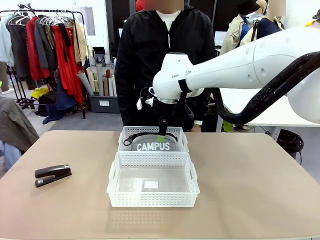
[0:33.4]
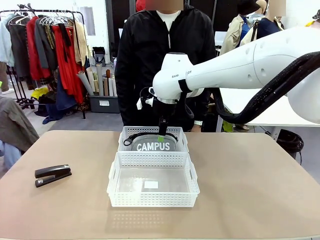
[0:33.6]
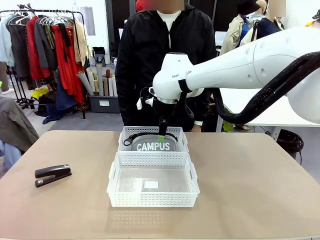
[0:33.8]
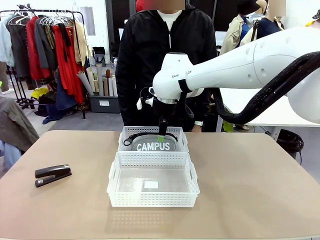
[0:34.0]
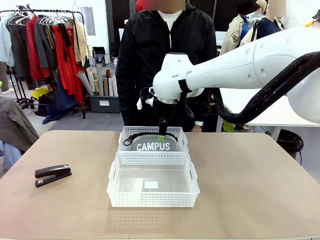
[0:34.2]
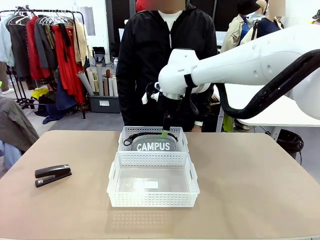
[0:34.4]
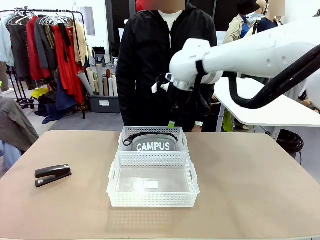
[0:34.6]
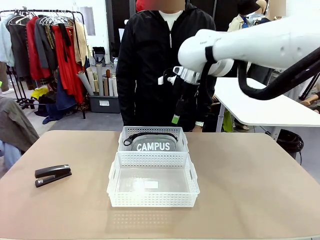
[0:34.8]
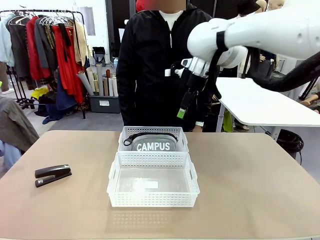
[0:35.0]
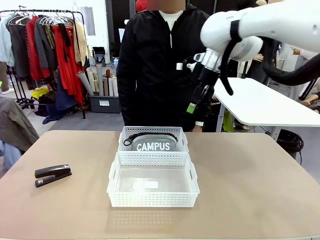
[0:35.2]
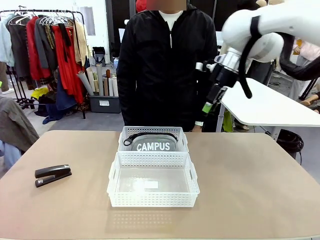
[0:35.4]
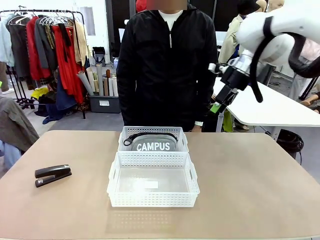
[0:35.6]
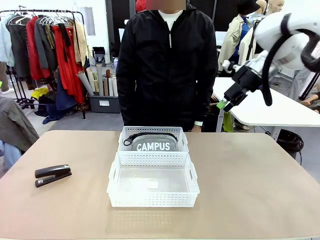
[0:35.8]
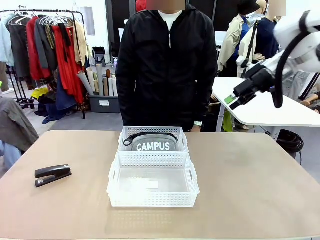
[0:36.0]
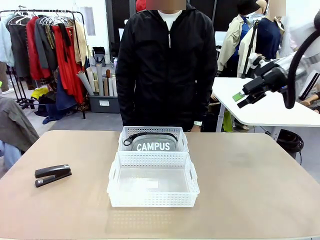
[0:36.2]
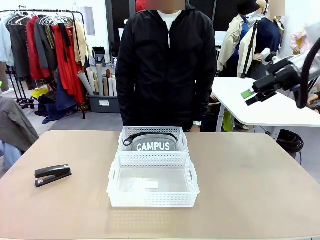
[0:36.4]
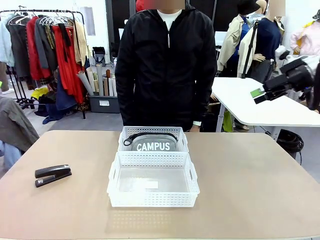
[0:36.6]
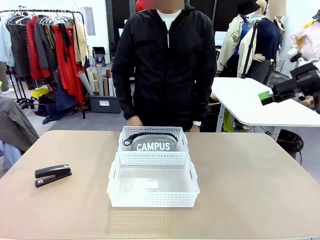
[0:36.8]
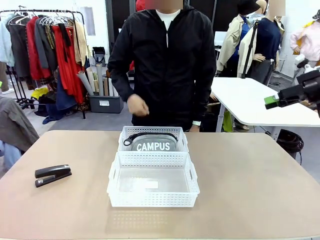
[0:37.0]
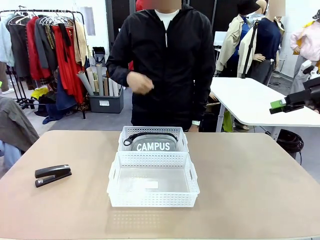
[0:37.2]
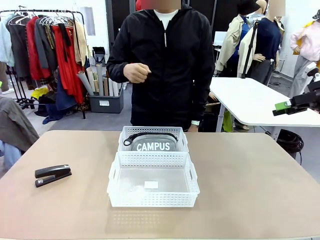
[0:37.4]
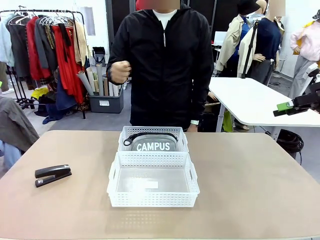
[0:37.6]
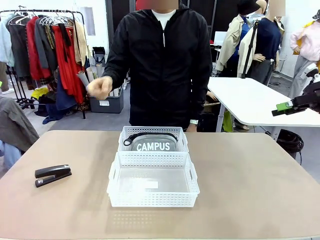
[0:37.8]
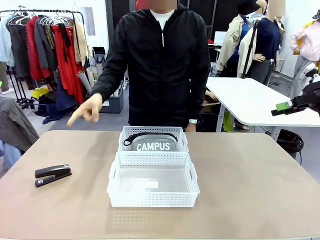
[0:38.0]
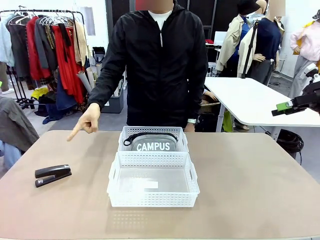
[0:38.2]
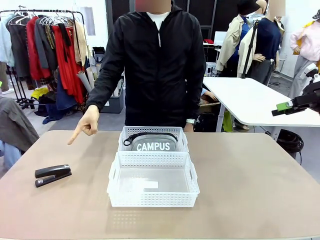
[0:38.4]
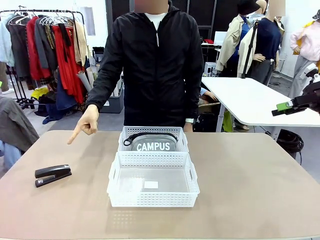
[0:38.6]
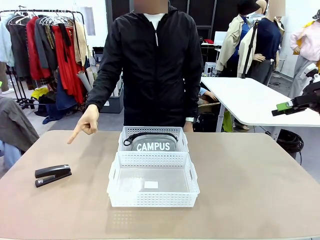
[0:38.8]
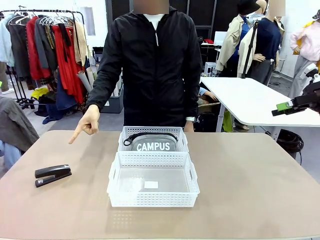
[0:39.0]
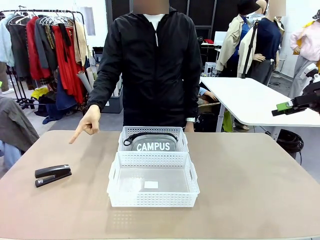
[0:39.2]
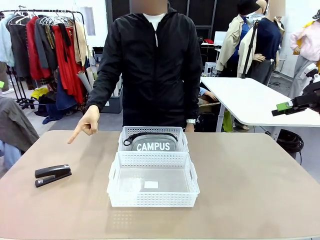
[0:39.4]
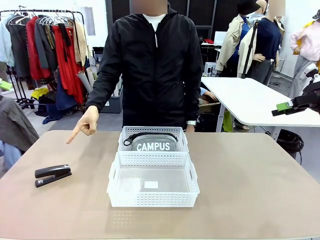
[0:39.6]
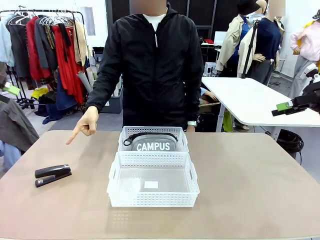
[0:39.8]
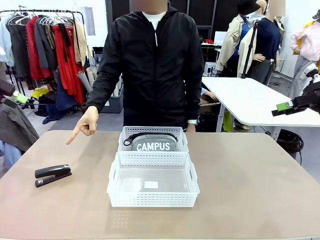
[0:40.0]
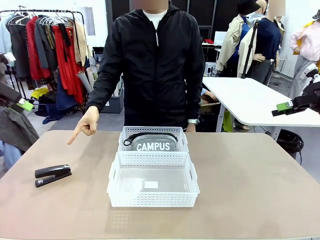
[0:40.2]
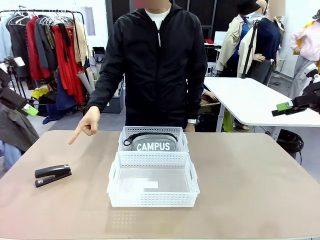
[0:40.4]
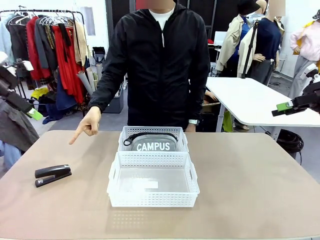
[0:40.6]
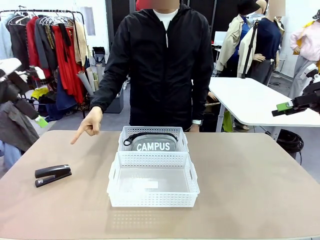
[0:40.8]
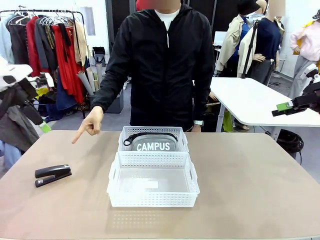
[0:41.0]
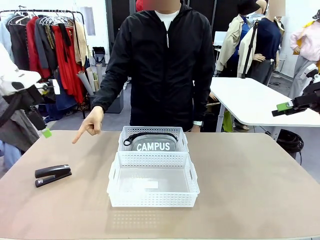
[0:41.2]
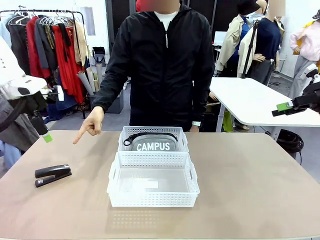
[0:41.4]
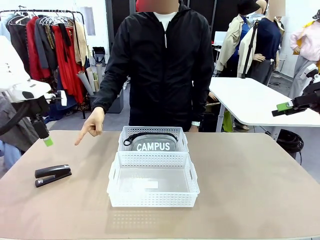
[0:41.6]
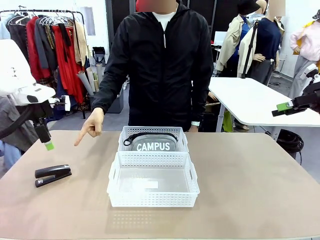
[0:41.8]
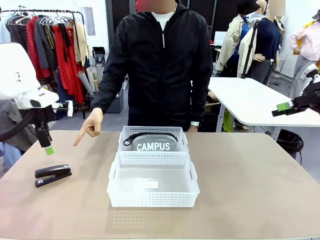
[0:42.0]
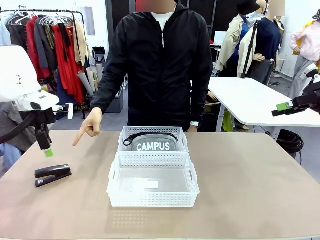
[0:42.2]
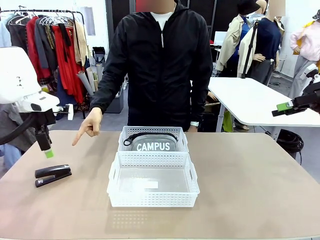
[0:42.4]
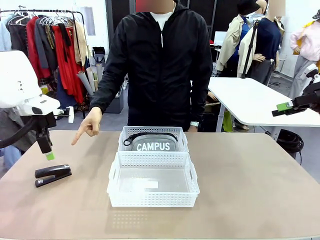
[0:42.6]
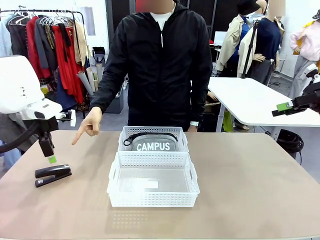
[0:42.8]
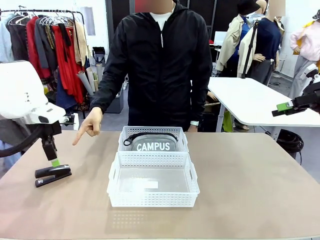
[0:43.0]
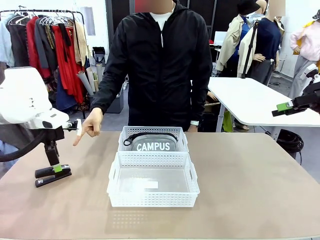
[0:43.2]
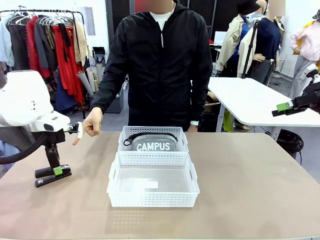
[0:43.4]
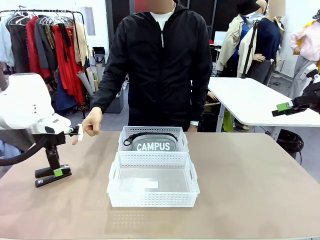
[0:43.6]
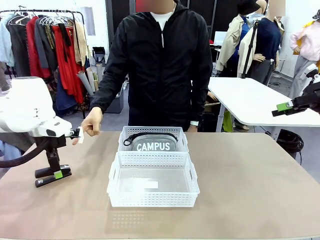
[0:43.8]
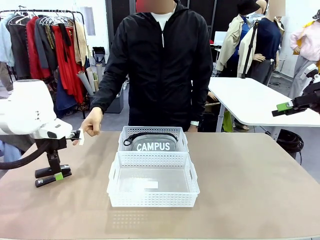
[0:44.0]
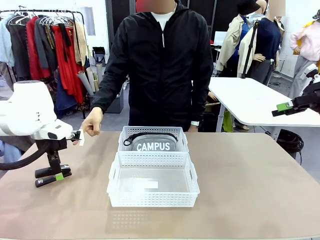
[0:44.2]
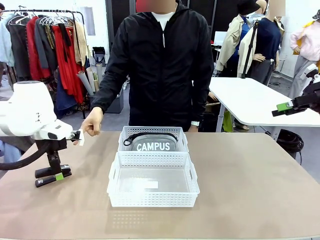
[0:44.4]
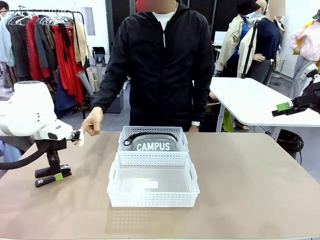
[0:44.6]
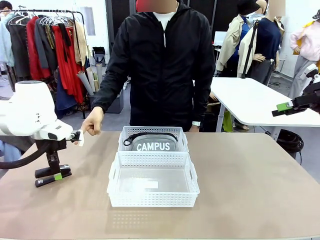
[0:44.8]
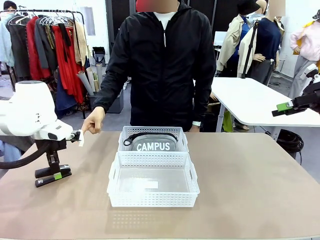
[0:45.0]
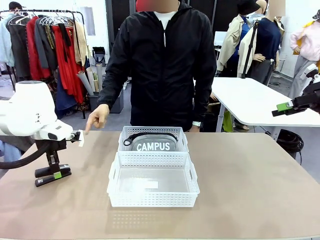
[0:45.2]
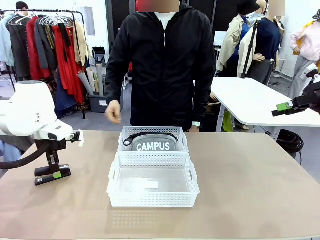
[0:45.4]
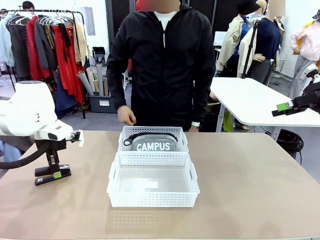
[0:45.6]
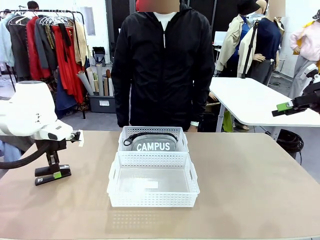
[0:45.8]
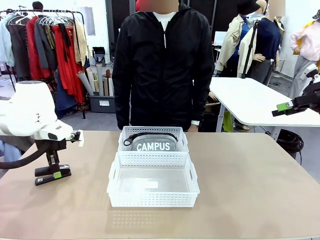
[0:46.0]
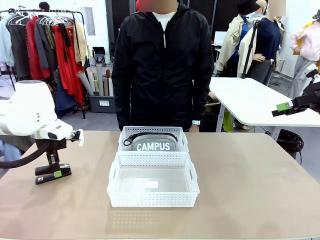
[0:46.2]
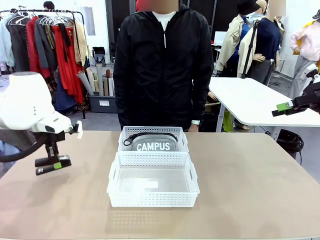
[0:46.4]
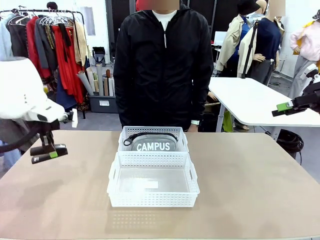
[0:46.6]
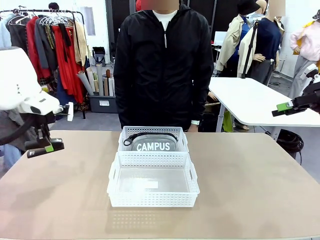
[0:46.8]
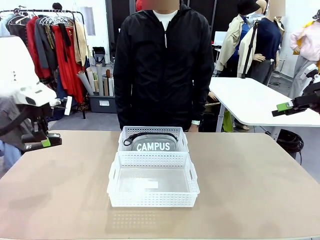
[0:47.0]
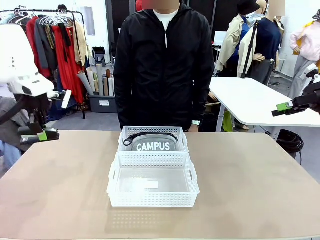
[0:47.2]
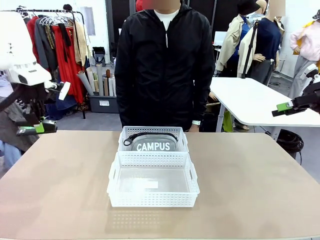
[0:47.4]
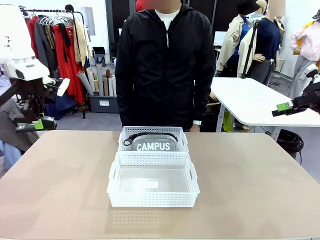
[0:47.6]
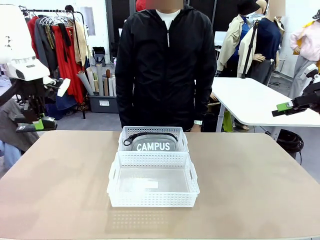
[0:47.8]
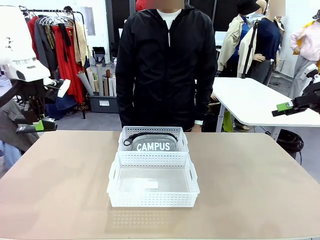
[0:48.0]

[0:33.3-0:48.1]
Task: Distribute items into two baskets.
Robot: Pick up the Stapler that the person points to.
